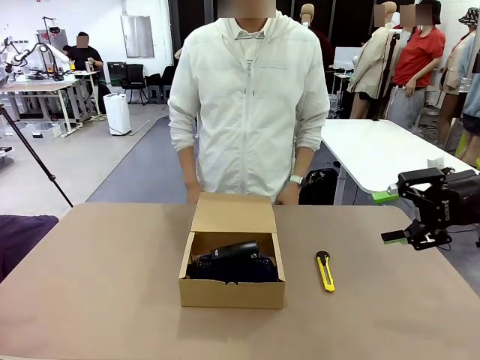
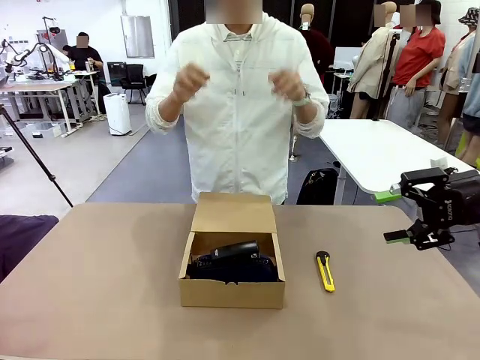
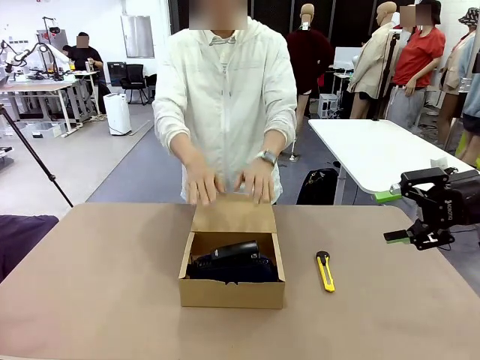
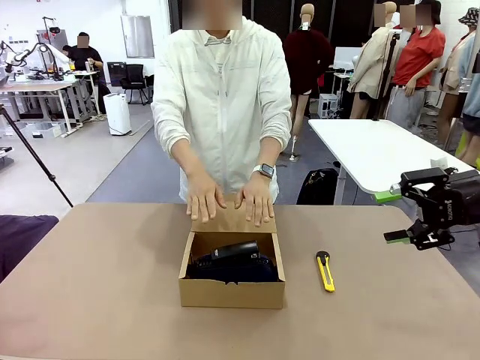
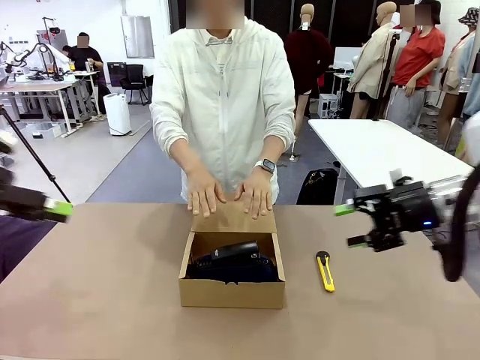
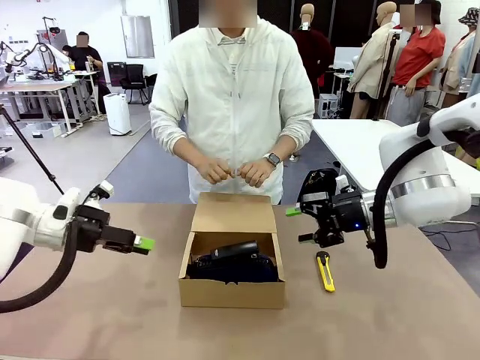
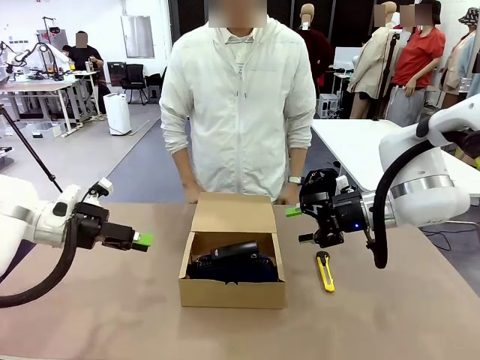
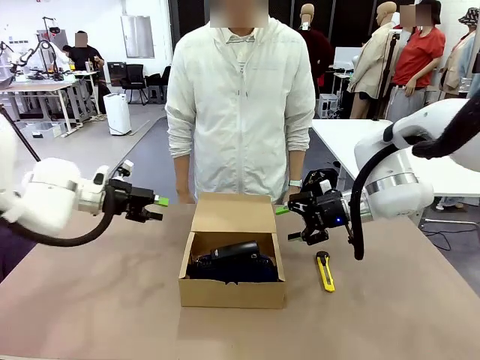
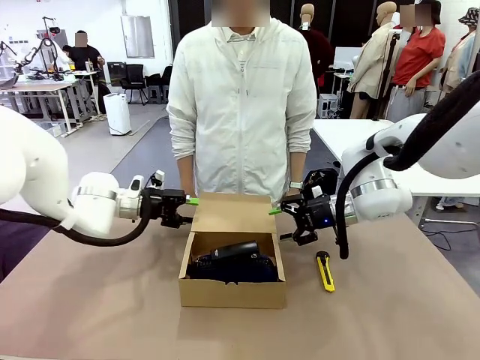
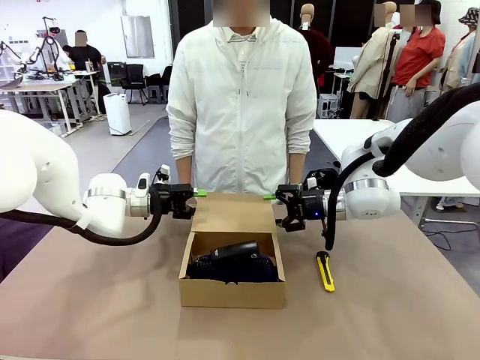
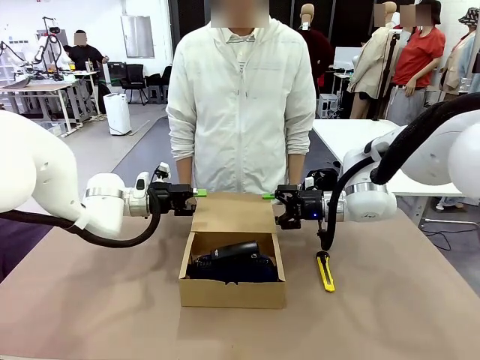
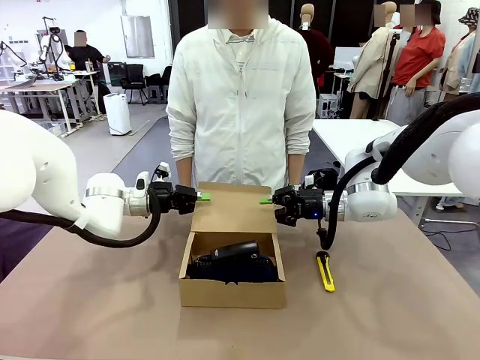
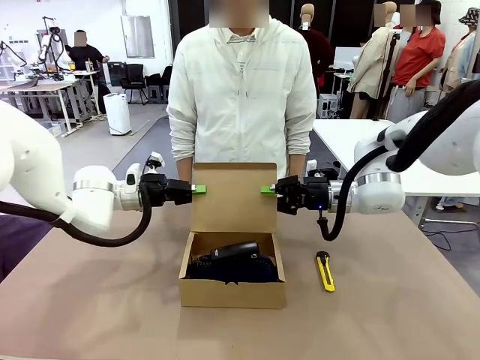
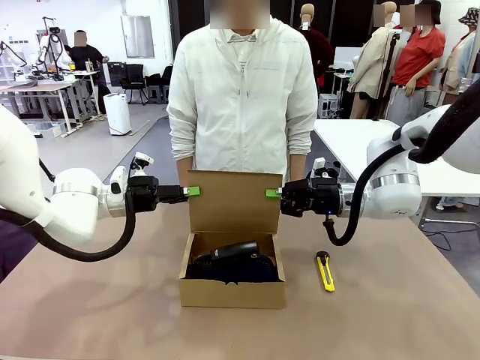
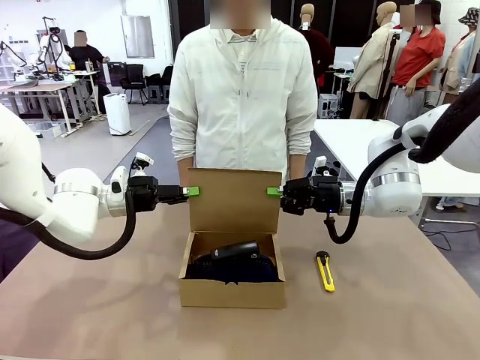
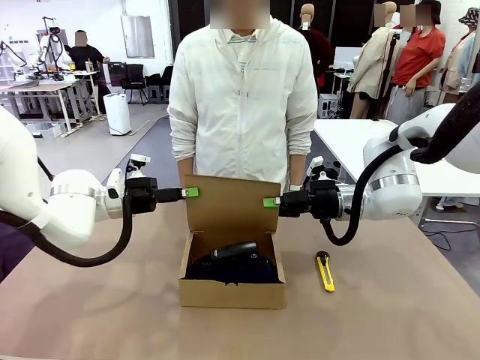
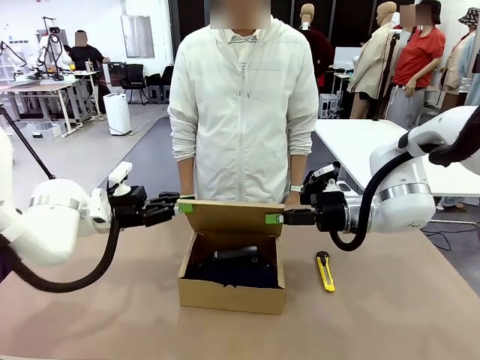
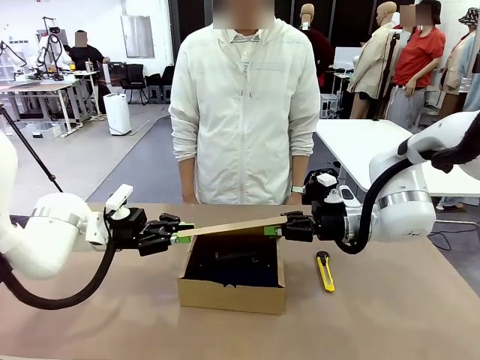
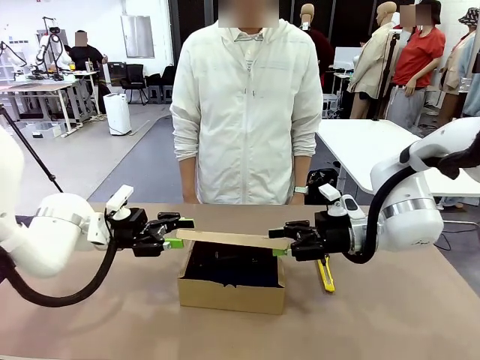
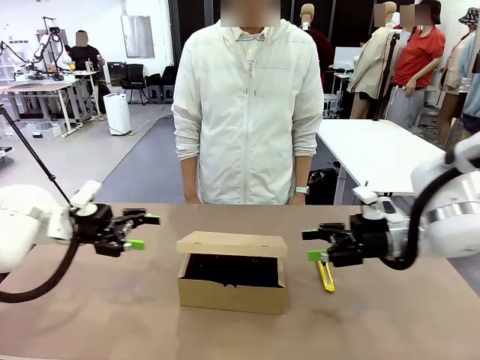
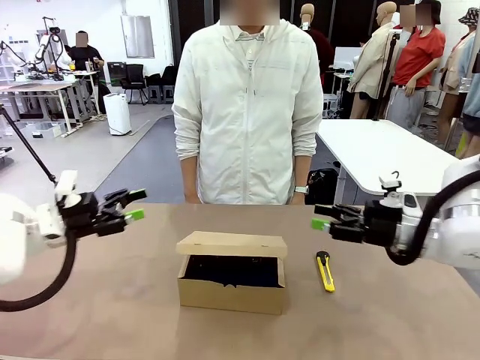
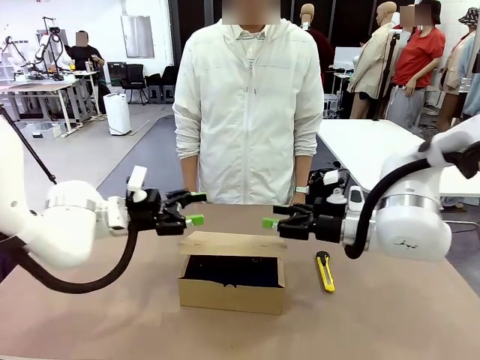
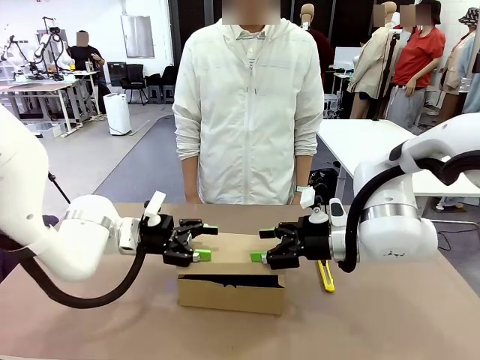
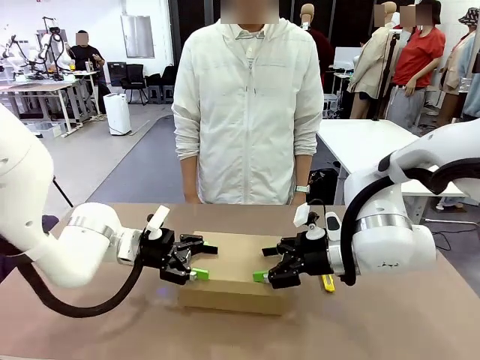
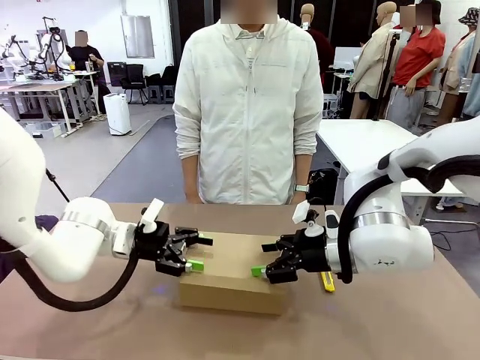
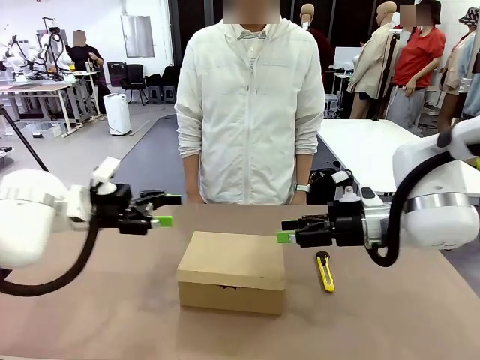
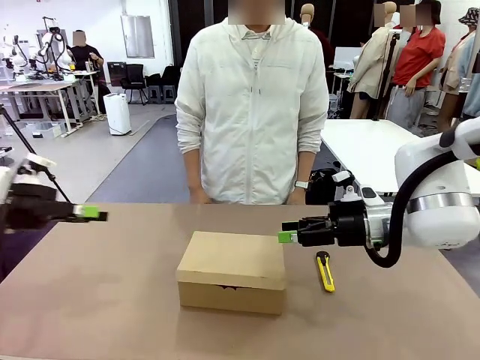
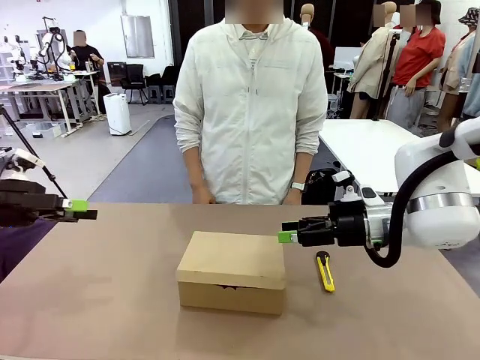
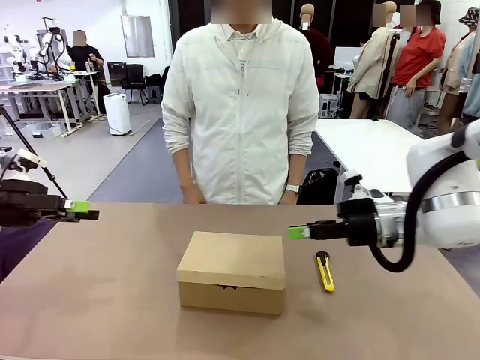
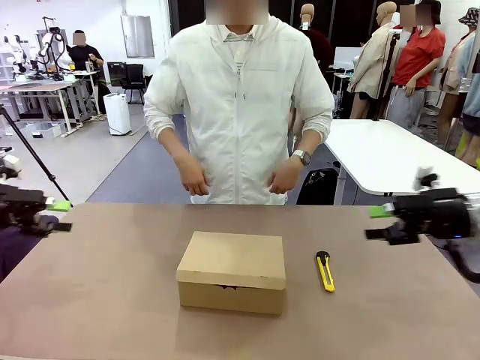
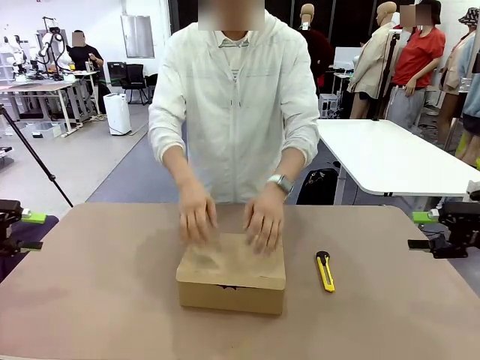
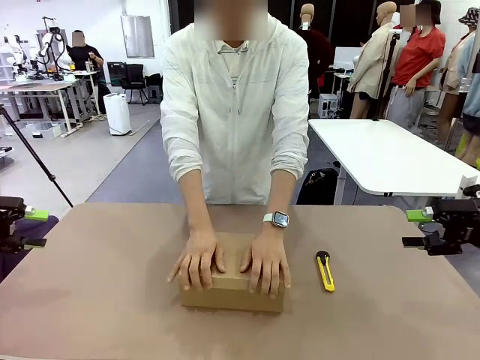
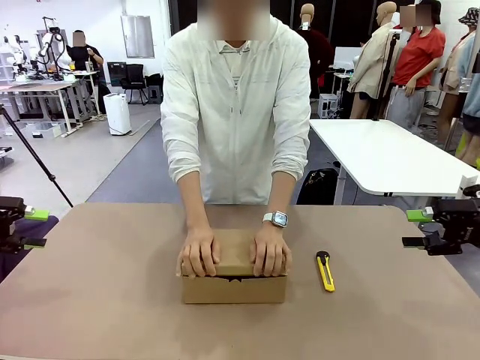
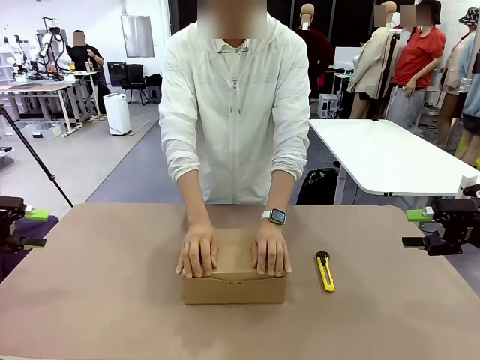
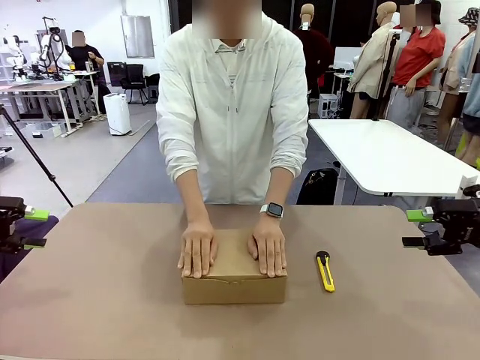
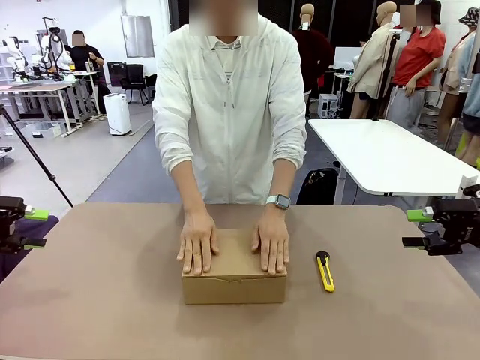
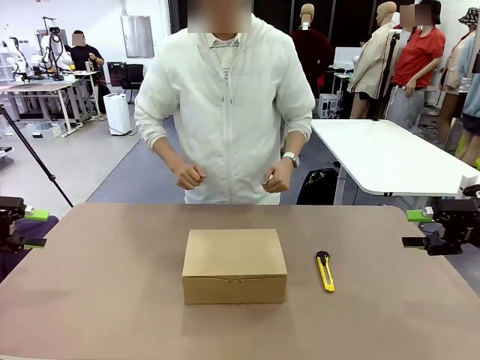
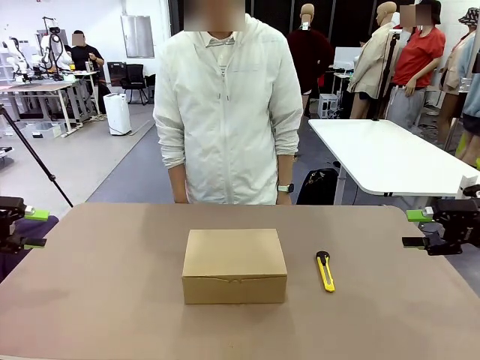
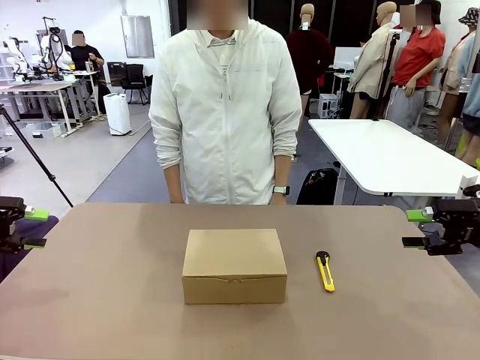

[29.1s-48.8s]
Task: Pack the items into the box.
Robot: Close the Mailer Box.
Person: Turn the box and lock it.

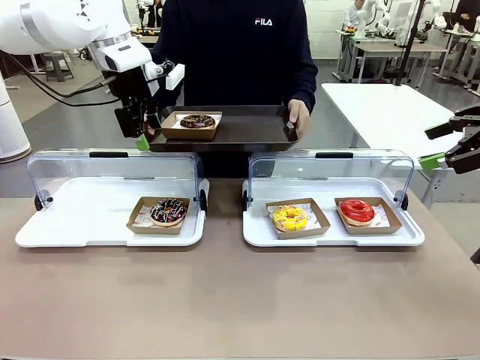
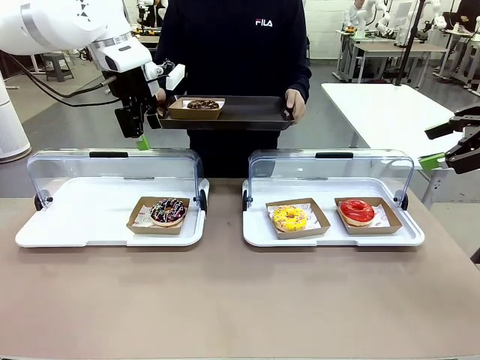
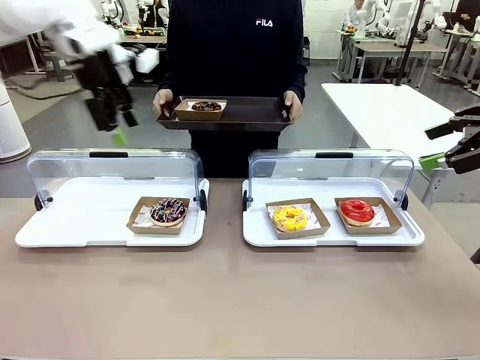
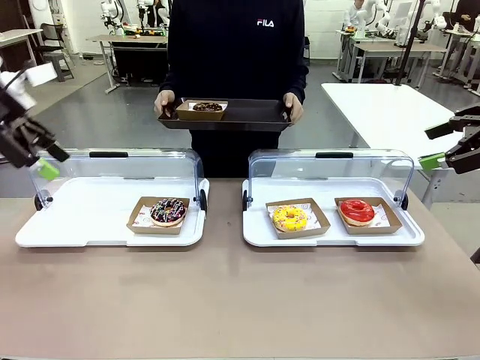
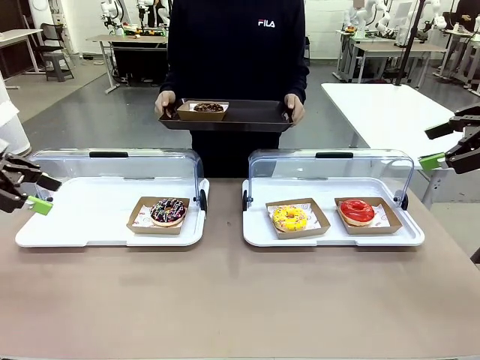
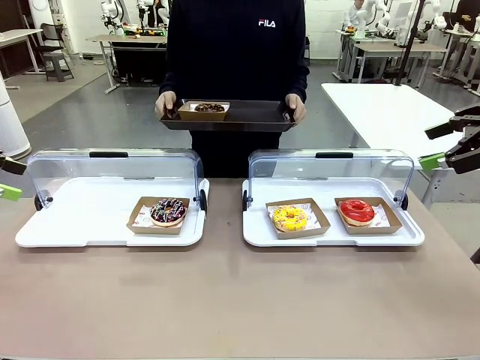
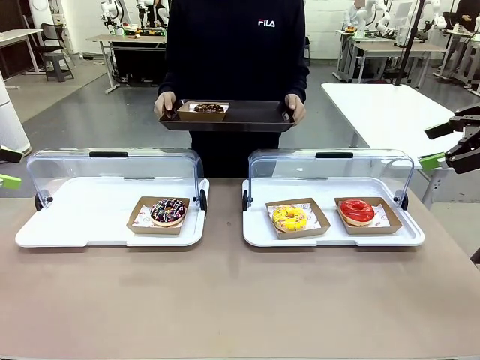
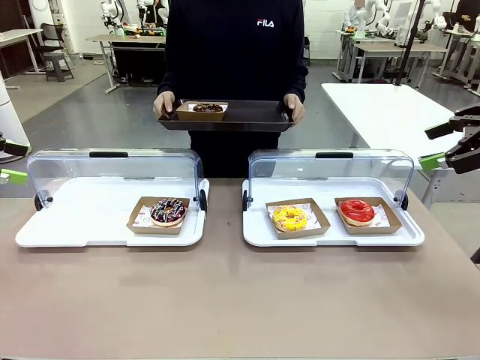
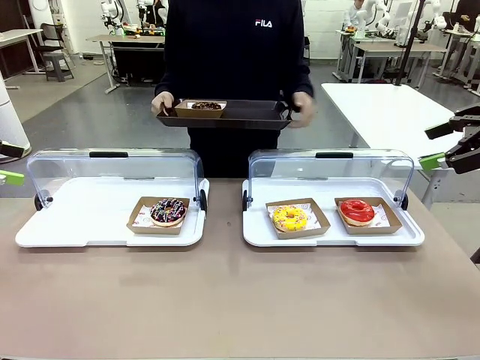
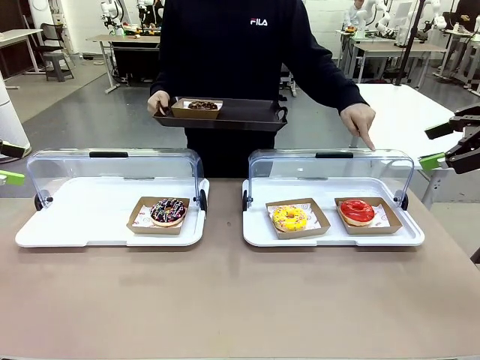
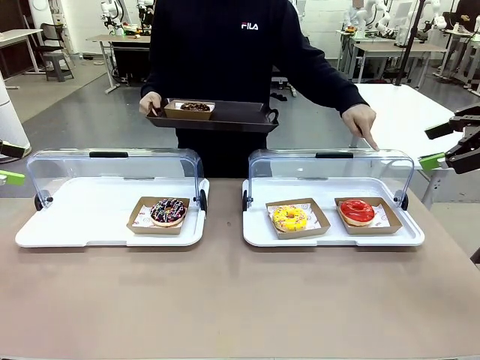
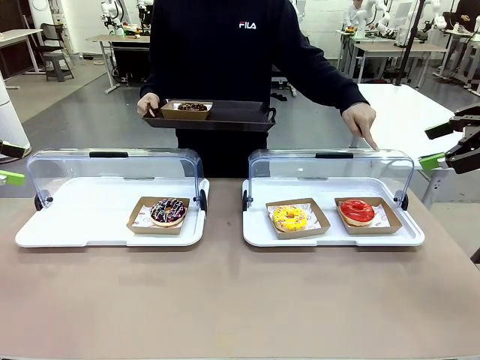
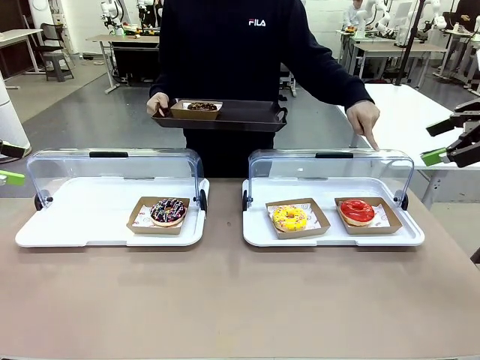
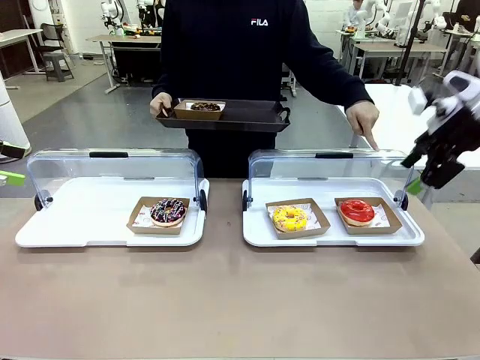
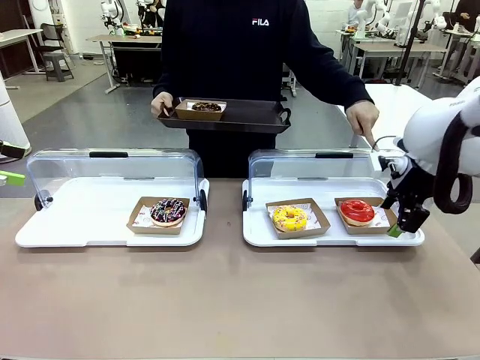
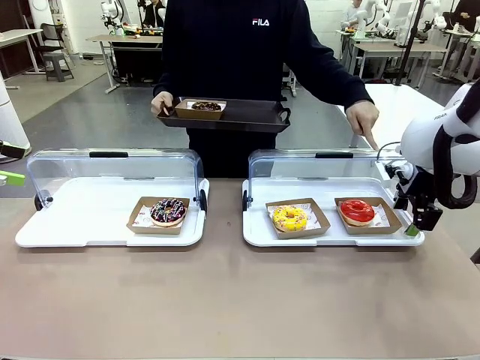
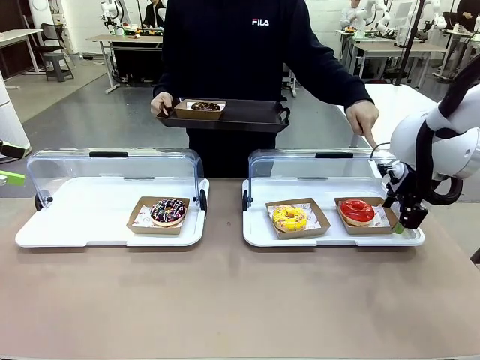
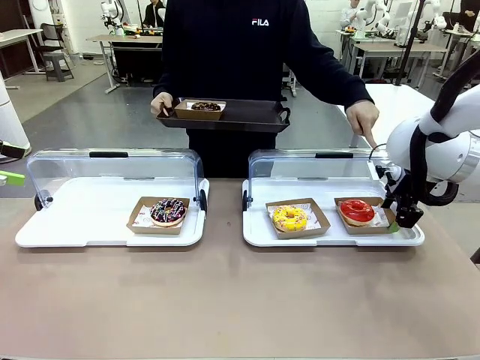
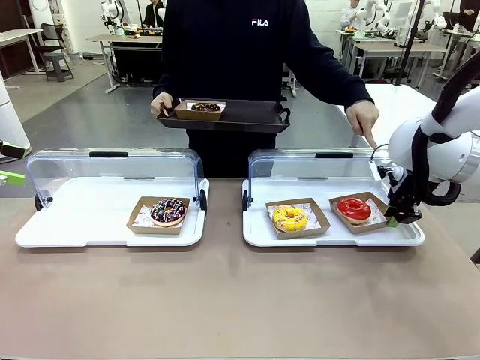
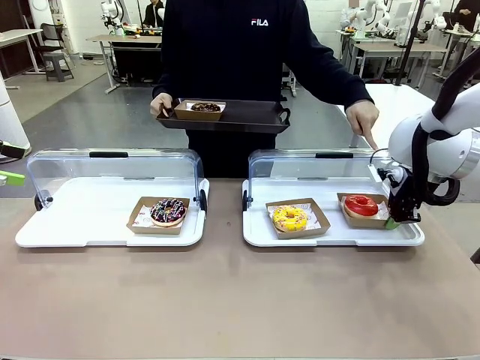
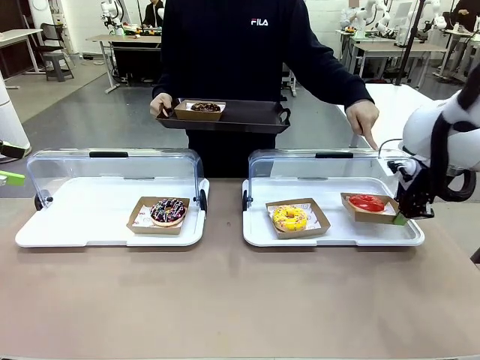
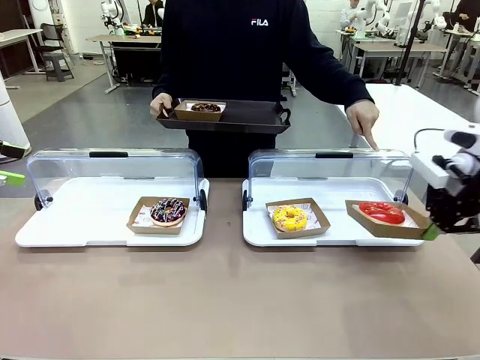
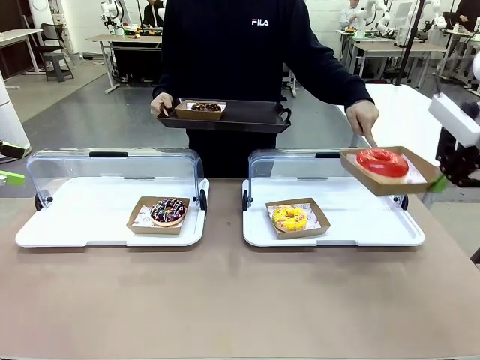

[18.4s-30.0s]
Task: Provide the desired donut to the person.
Robot: Pick up and lift the Paper togo box containing the Donut pointed at by the person.
Person: Point to one donut. Lift the tray onto the Roll-Top Bakery Case.
